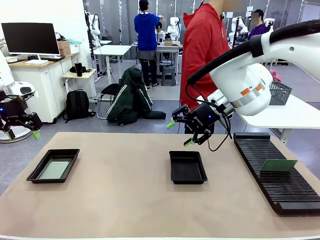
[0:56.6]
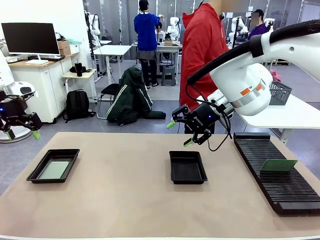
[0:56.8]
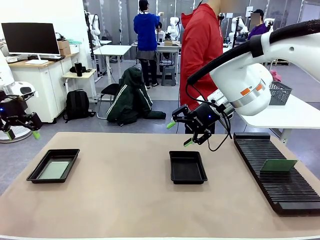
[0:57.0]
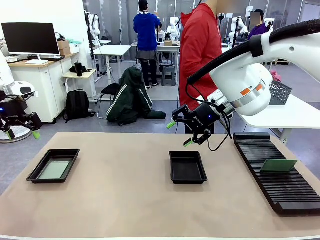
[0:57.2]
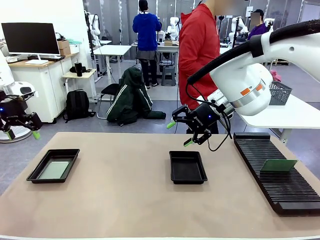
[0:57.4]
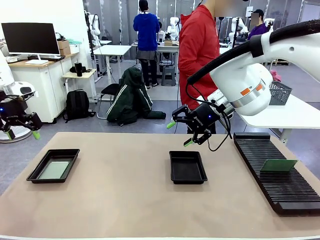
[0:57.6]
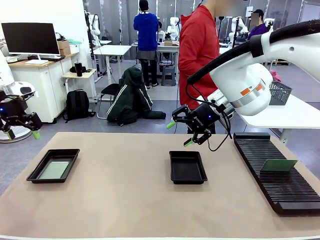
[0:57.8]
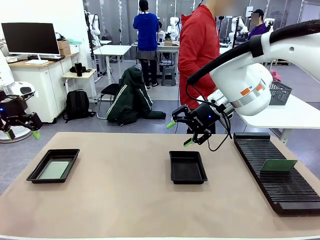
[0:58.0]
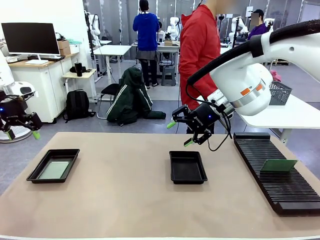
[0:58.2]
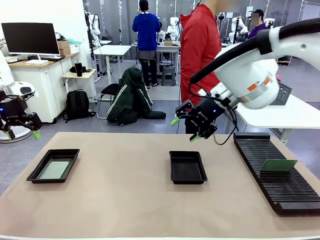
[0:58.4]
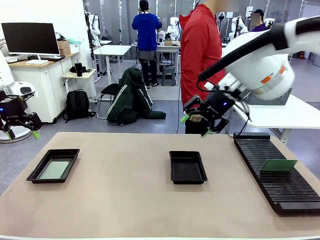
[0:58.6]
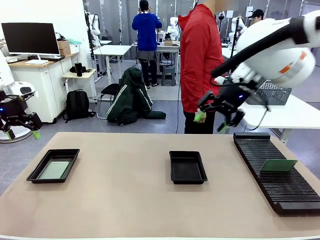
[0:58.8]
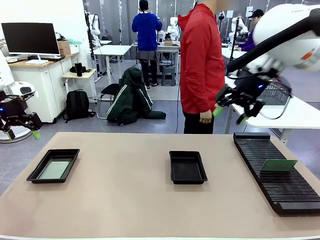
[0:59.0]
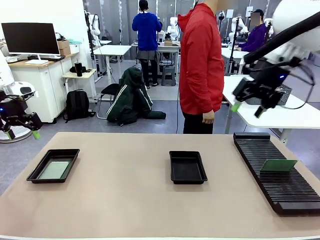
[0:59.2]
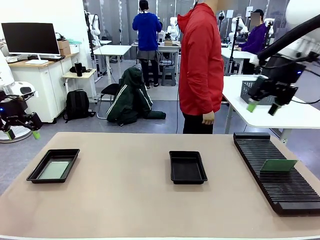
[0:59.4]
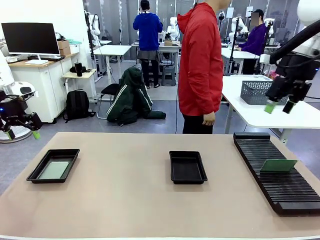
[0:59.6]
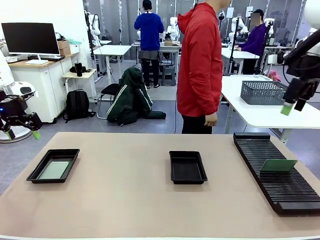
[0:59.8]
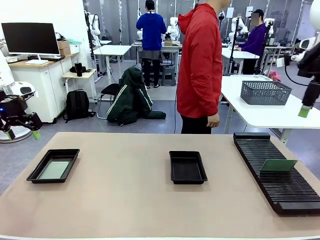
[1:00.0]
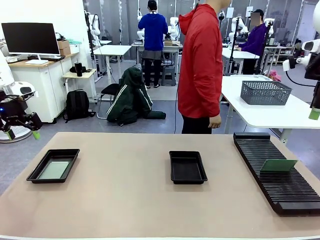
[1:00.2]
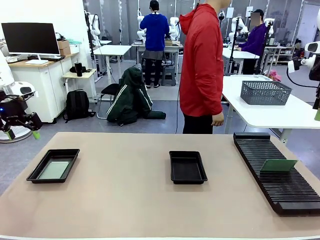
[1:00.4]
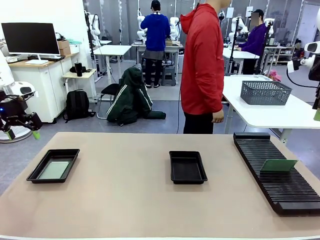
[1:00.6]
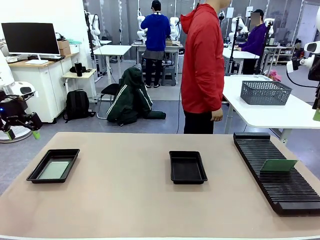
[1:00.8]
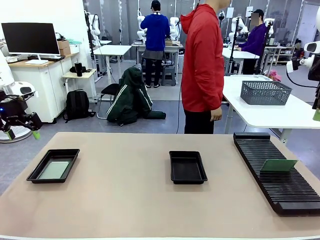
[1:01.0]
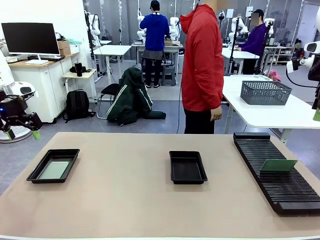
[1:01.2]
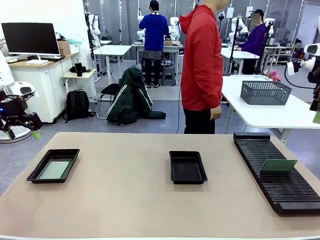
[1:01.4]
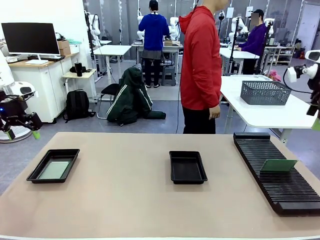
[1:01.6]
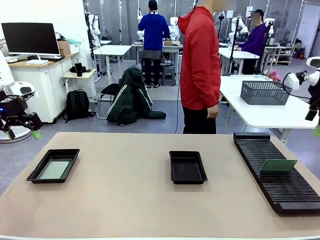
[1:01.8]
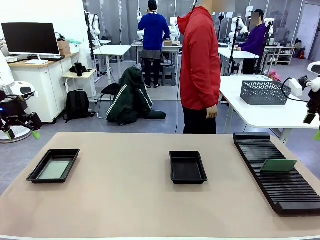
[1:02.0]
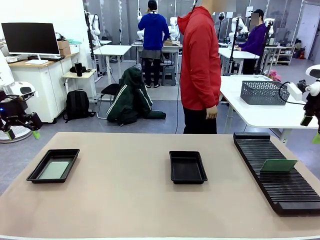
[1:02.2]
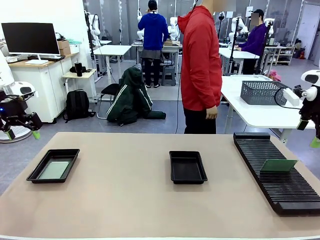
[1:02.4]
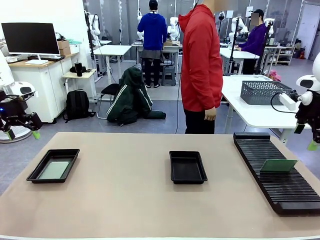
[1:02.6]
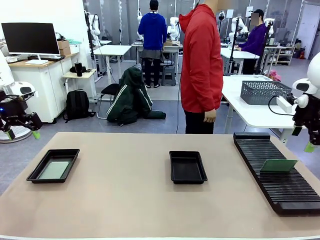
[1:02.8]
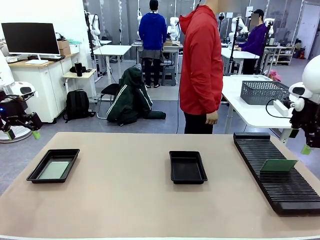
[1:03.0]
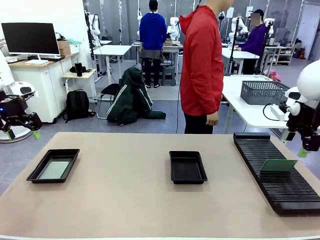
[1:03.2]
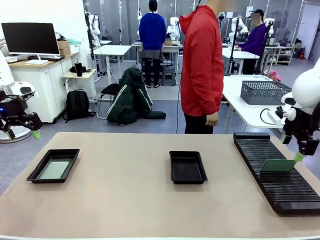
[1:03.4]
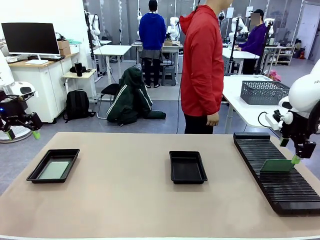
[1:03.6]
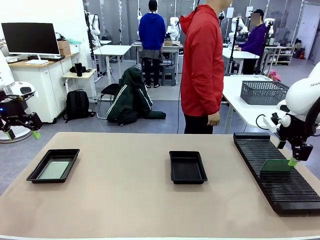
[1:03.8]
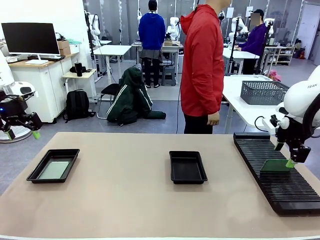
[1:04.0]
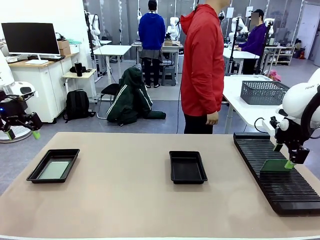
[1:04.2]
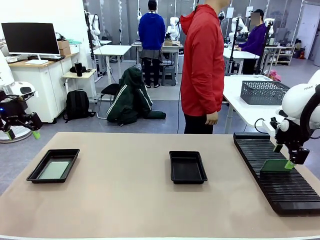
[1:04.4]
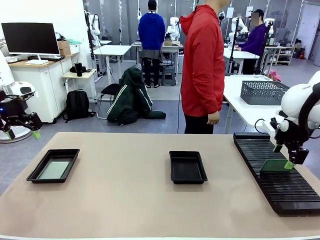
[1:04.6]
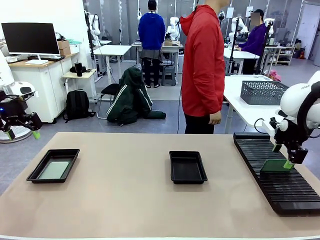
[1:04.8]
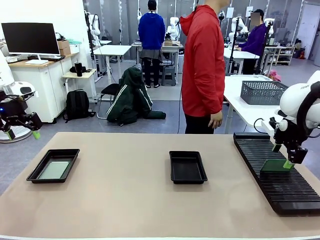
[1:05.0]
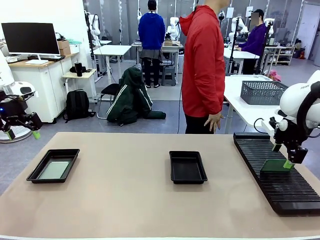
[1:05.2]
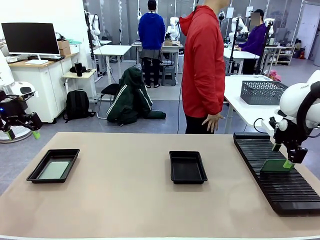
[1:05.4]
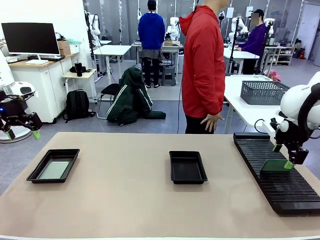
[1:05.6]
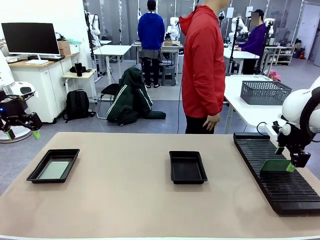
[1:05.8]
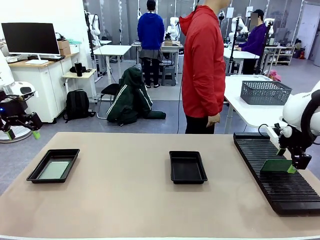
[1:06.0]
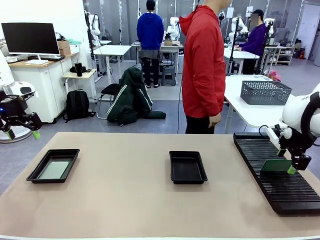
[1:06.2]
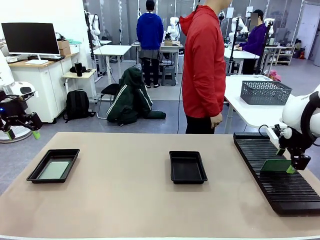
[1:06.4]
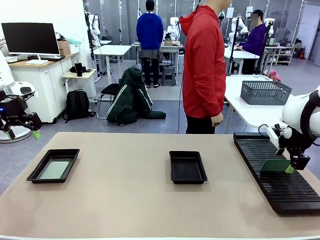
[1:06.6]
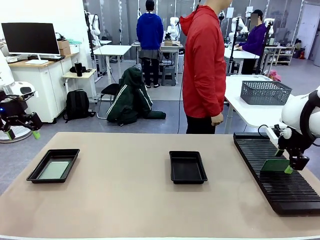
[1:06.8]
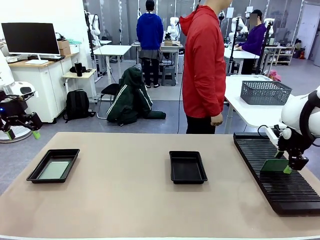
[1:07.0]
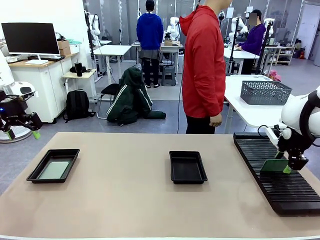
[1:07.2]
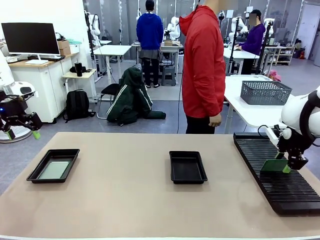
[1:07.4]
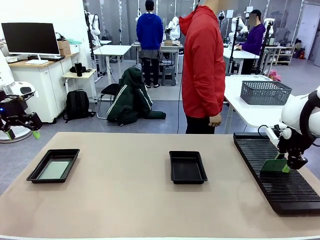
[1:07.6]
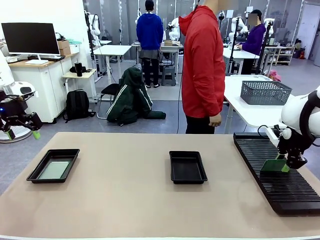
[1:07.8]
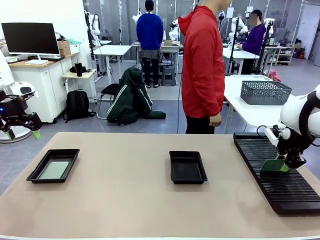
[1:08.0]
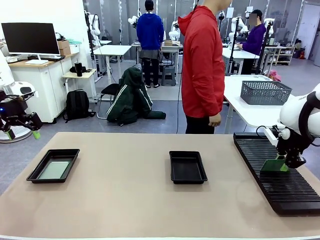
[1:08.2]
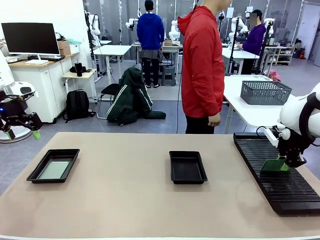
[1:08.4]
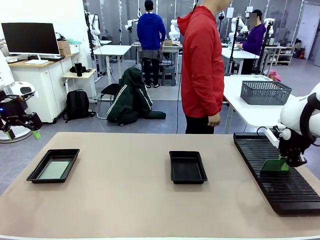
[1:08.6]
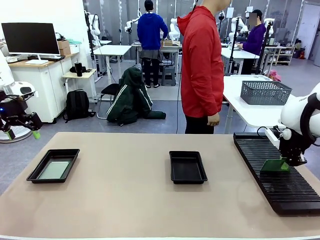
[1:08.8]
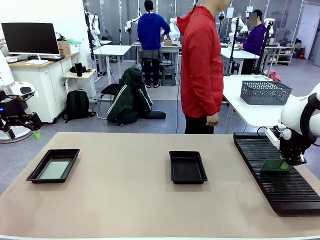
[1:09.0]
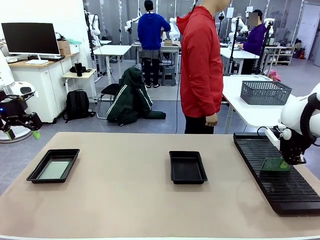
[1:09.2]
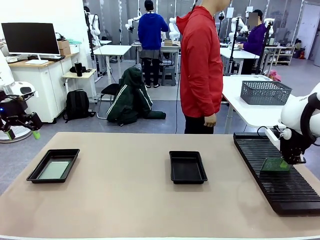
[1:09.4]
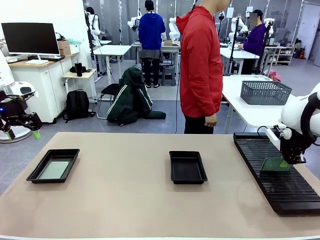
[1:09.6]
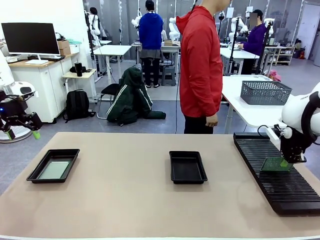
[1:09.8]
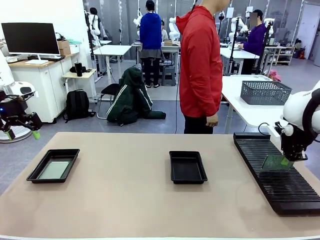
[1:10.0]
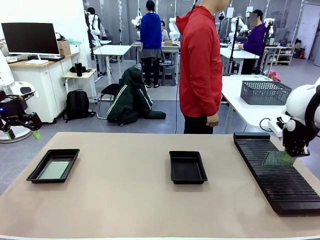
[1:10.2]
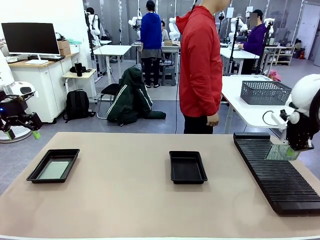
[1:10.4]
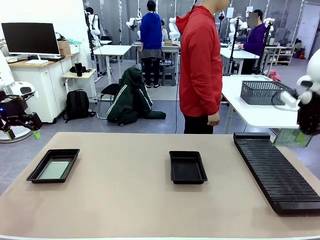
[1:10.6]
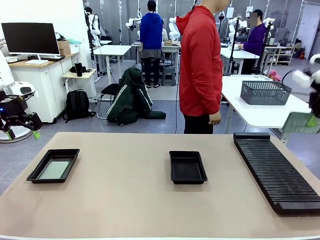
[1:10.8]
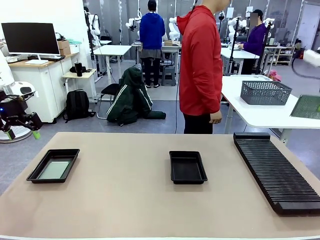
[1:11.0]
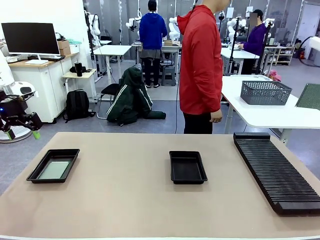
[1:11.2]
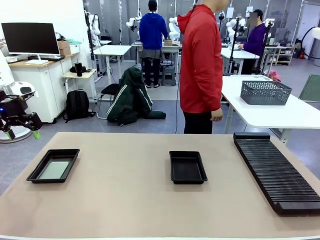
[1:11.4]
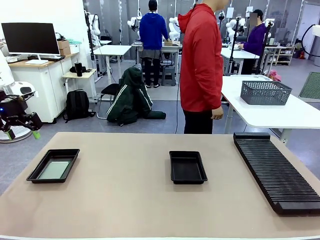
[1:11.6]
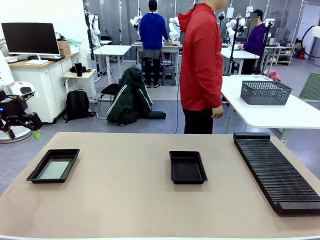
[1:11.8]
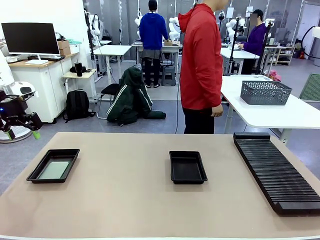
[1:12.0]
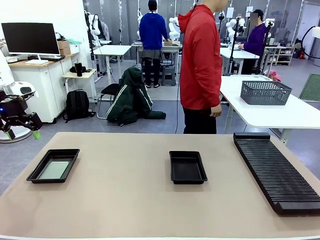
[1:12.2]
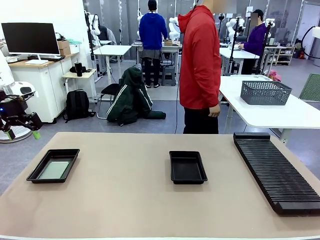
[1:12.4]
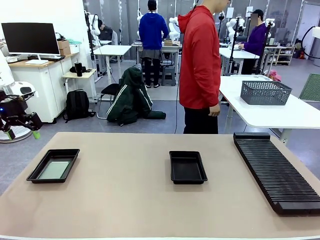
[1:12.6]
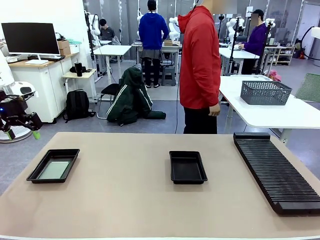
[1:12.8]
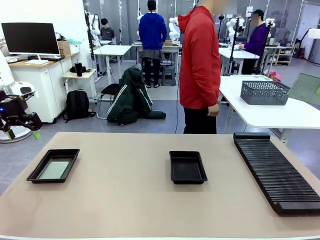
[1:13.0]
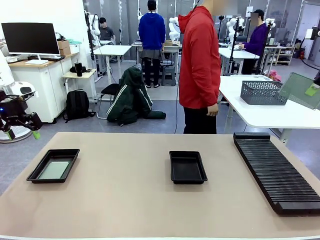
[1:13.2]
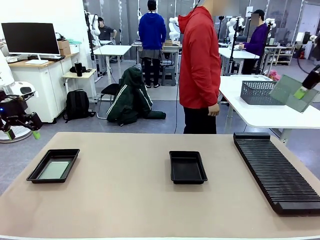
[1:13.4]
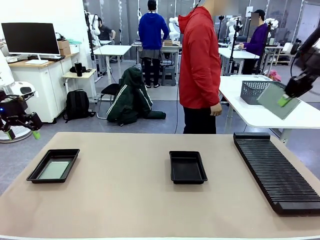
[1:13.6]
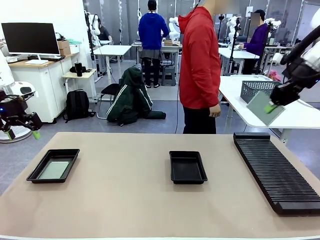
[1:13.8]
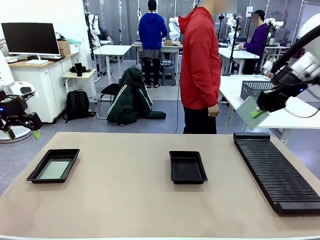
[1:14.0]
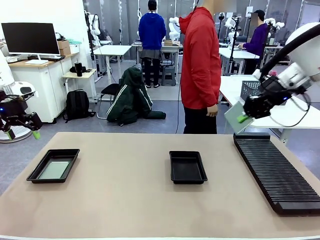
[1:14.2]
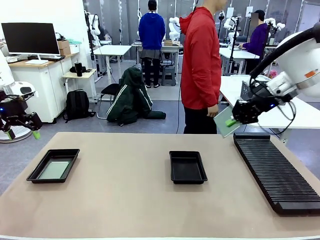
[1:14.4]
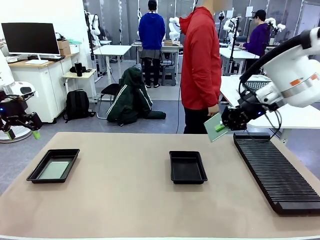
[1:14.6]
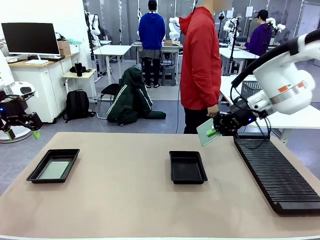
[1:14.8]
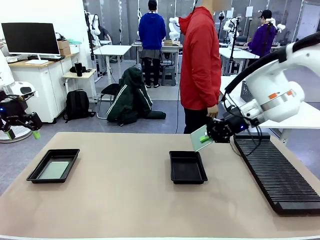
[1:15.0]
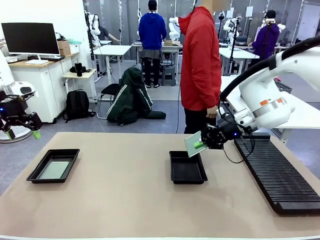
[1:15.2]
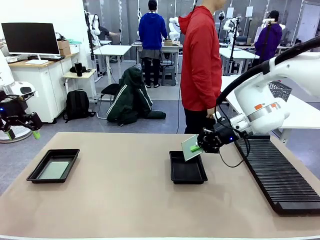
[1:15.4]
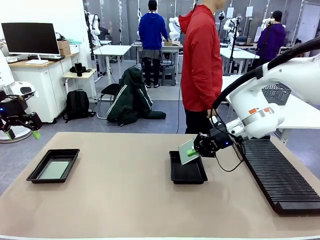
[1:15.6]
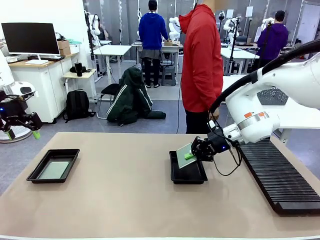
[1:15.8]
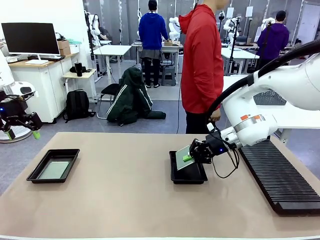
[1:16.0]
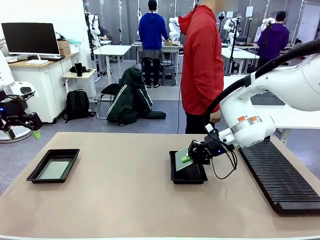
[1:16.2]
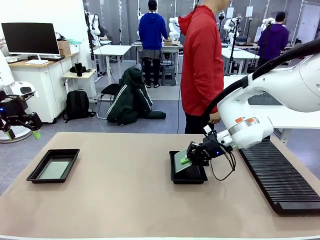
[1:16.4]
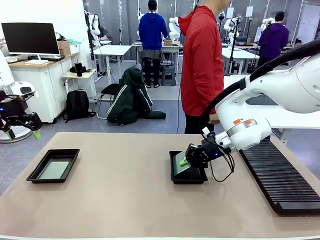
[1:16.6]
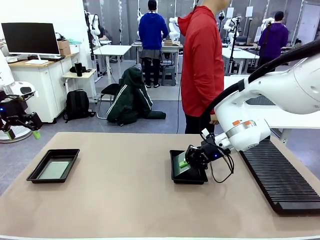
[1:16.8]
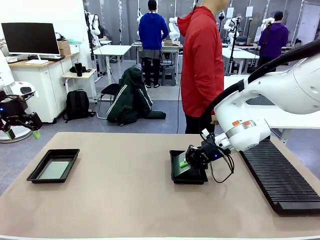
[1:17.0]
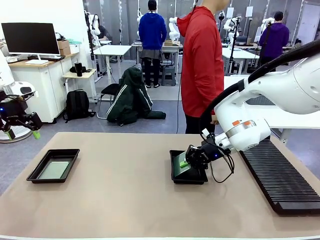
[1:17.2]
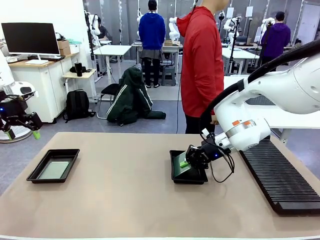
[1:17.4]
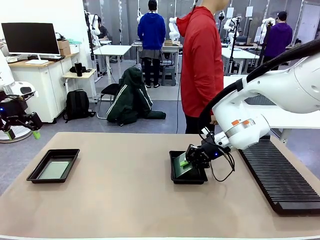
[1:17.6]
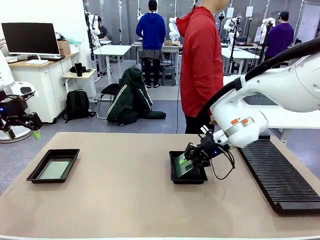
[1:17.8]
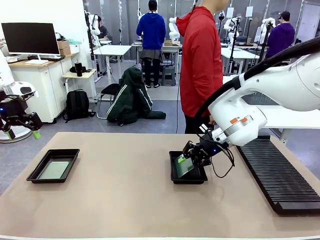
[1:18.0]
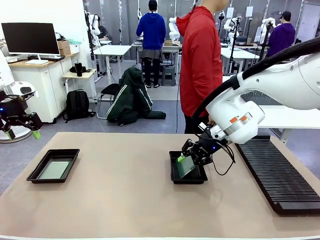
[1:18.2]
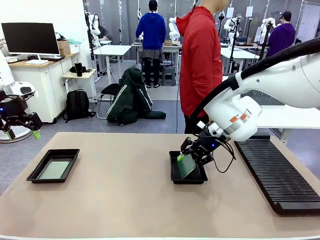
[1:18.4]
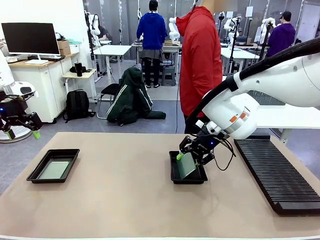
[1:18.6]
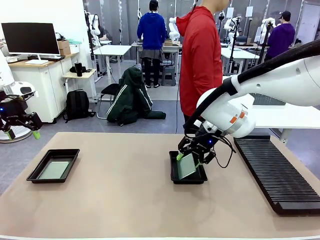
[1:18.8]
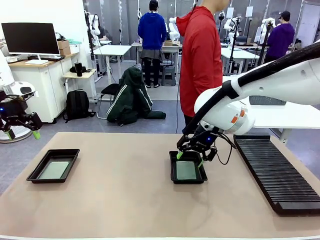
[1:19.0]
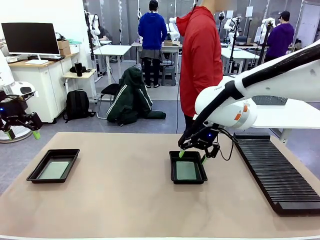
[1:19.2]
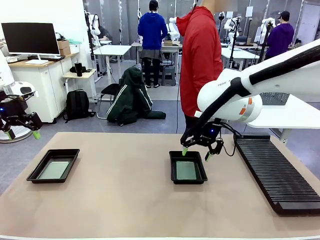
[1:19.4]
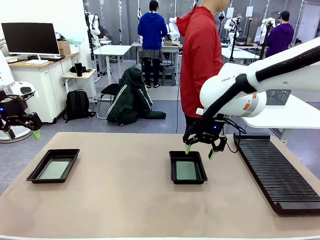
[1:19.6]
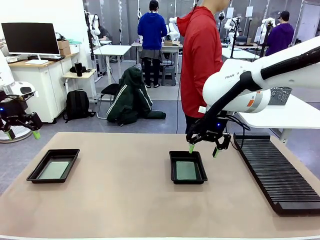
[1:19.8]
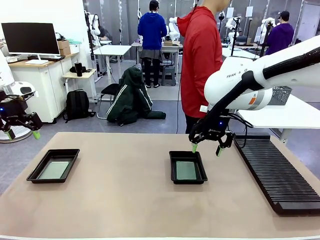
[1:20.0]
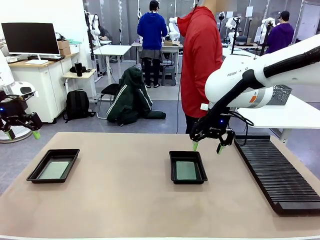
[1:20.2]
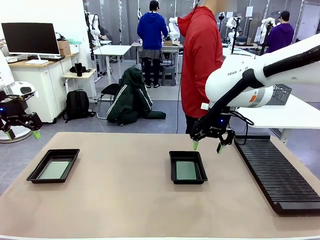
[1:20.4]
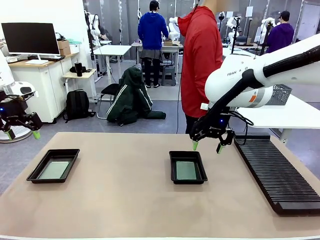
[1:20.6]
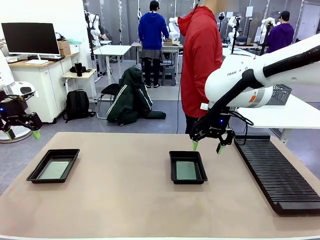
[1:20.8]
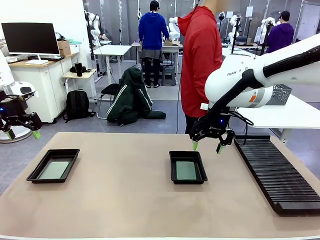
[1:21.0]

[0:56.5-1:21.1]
Task: Inspect and transfer BCBs to ESD trays.
Robot: Pick up the Blank PCB from the PCB Rack and place it in the right ESD tray.
